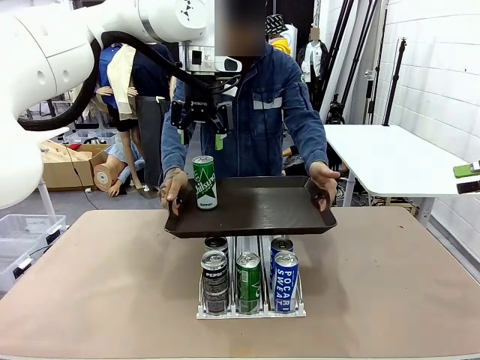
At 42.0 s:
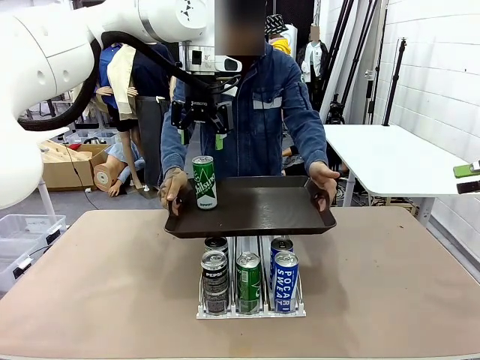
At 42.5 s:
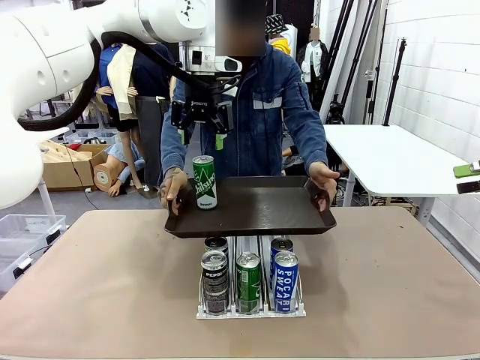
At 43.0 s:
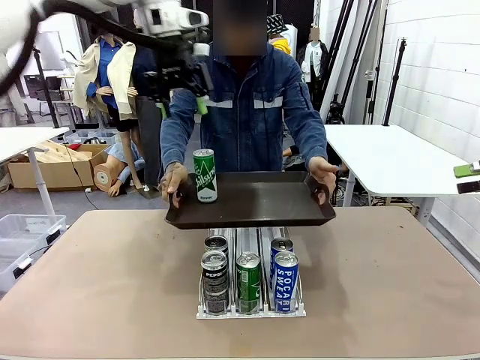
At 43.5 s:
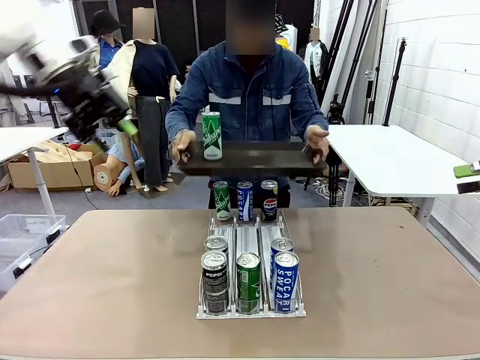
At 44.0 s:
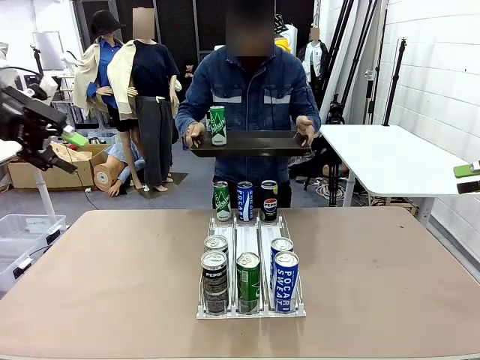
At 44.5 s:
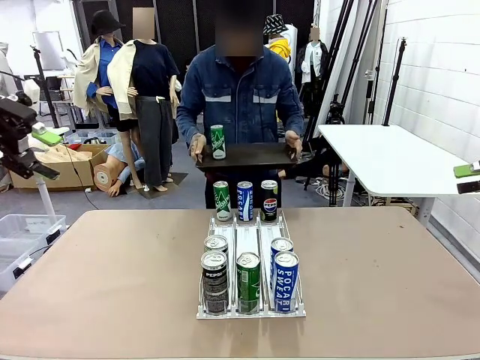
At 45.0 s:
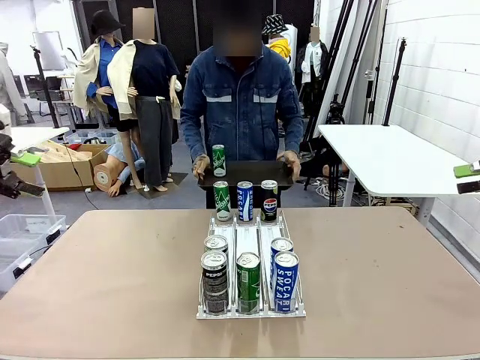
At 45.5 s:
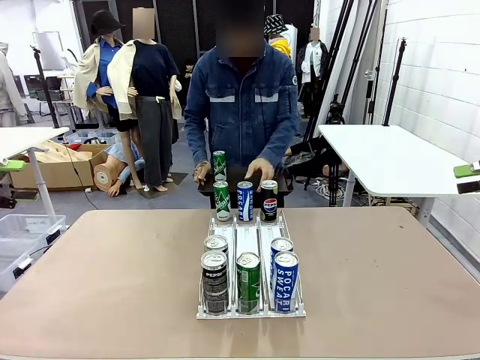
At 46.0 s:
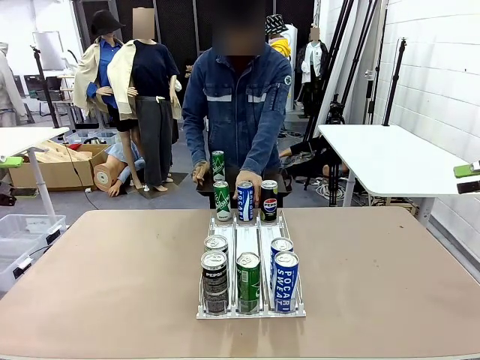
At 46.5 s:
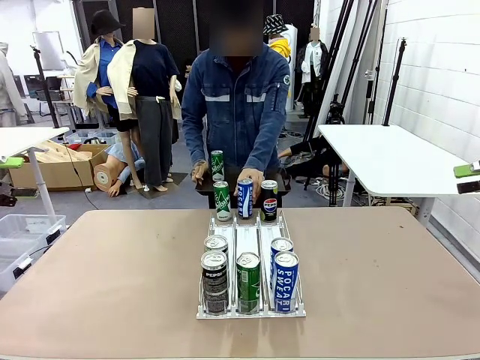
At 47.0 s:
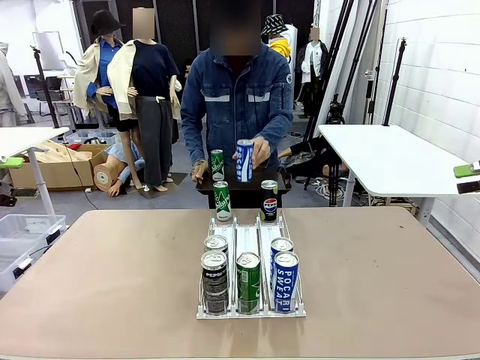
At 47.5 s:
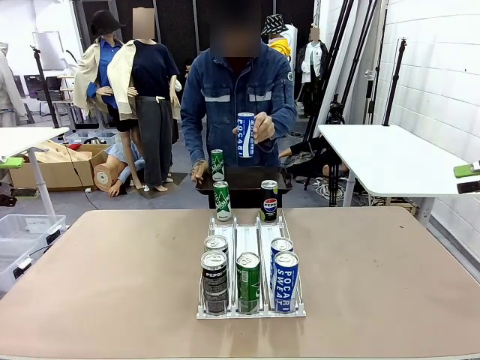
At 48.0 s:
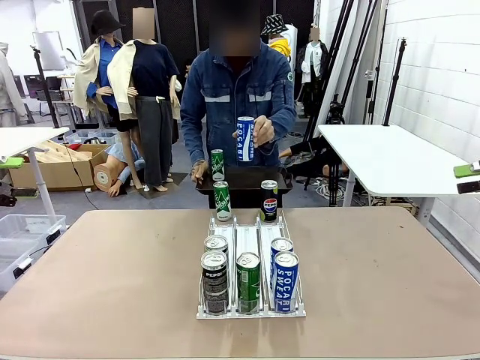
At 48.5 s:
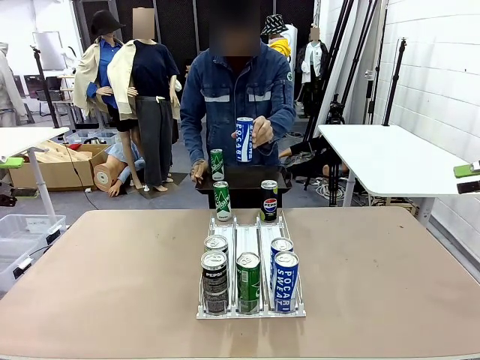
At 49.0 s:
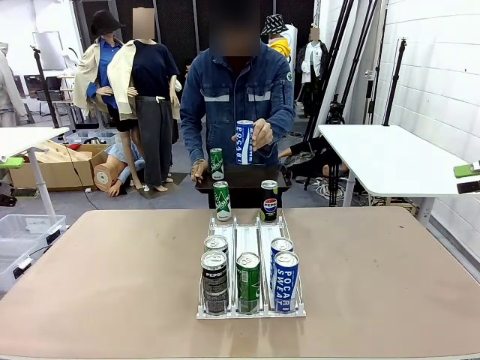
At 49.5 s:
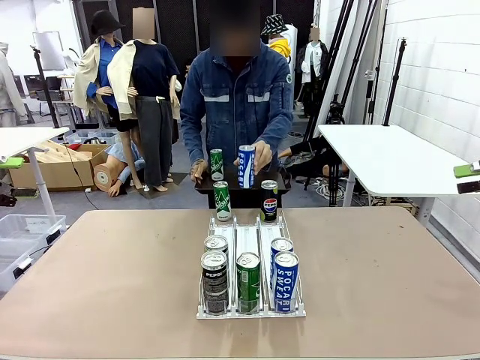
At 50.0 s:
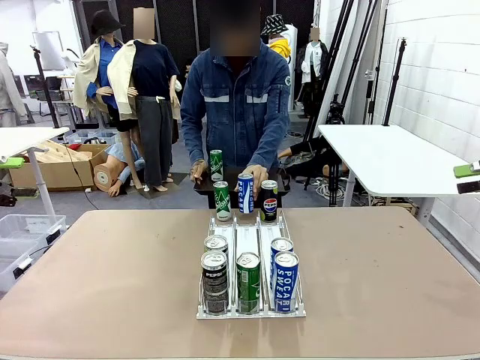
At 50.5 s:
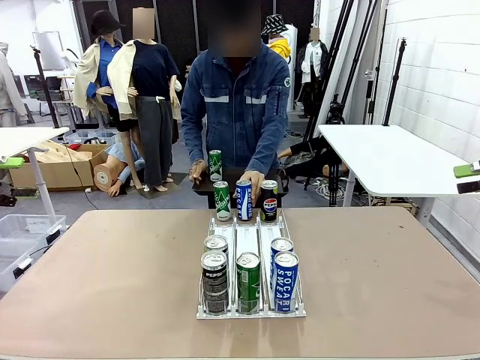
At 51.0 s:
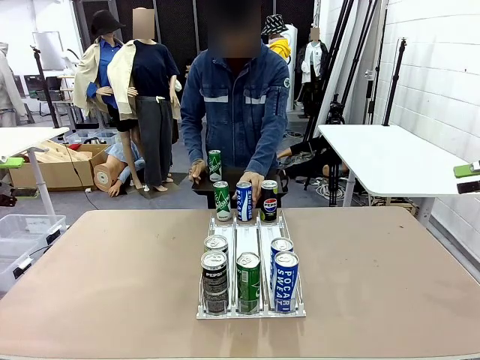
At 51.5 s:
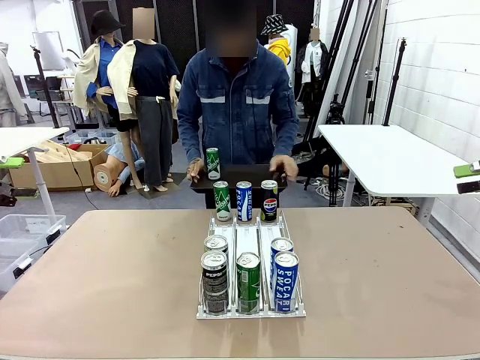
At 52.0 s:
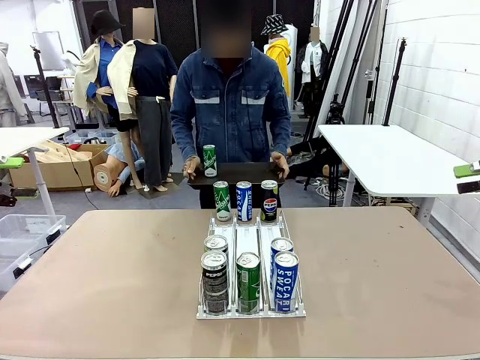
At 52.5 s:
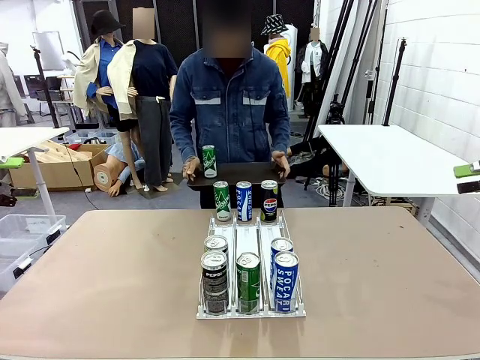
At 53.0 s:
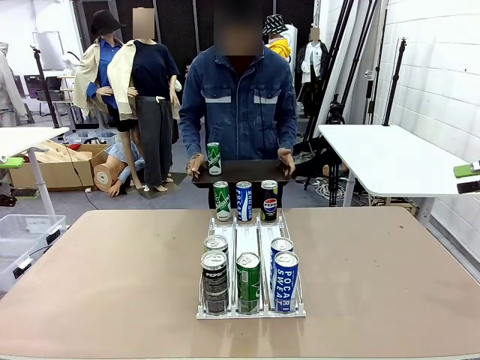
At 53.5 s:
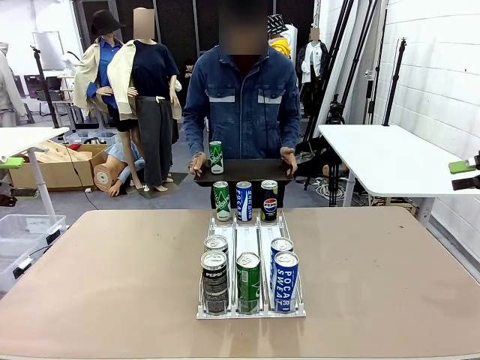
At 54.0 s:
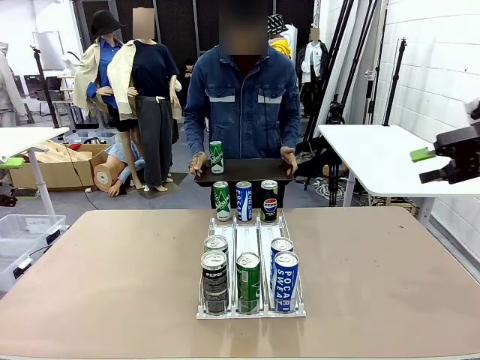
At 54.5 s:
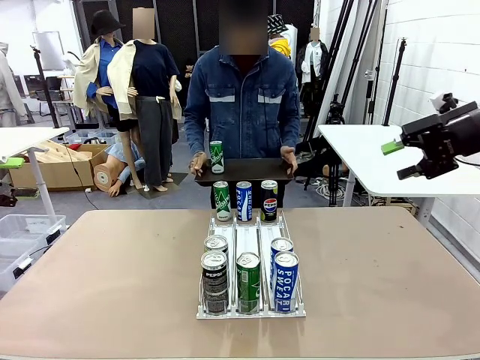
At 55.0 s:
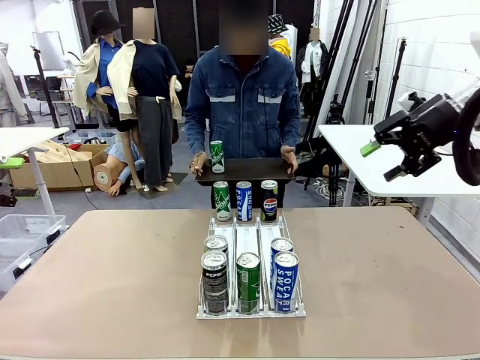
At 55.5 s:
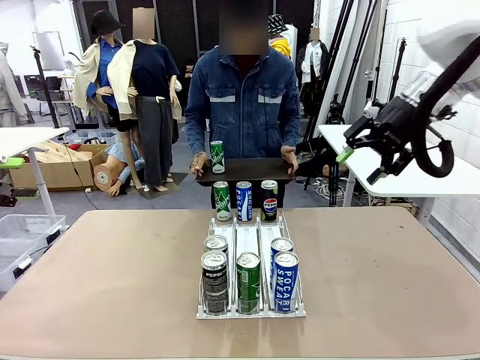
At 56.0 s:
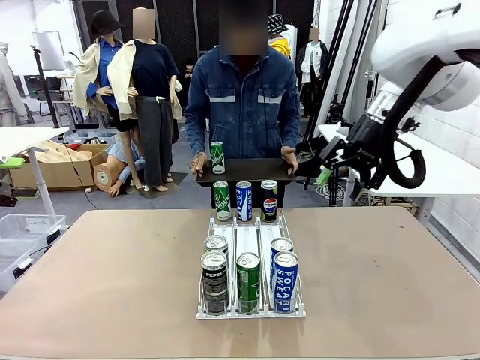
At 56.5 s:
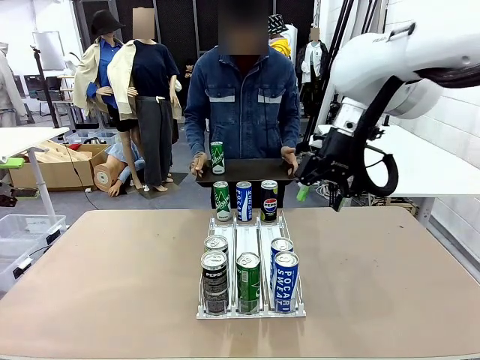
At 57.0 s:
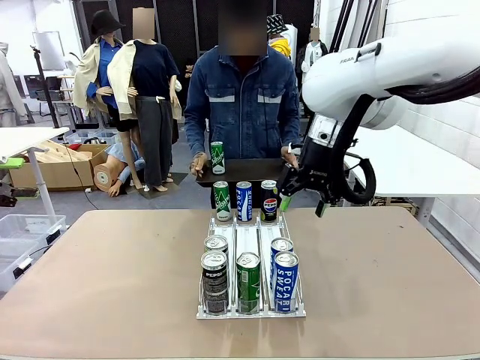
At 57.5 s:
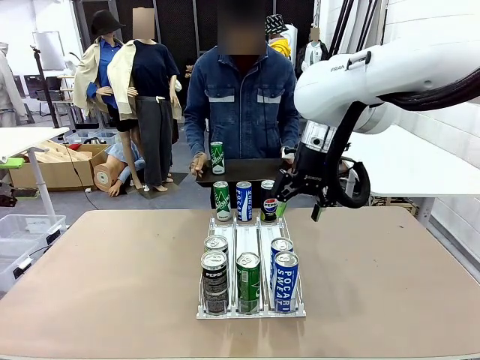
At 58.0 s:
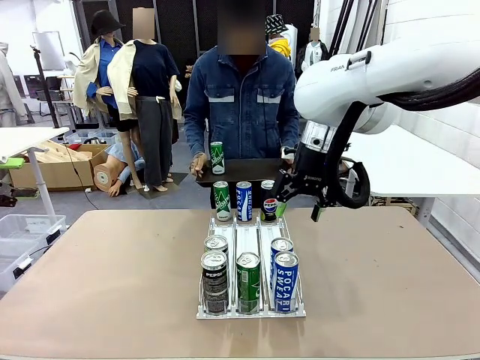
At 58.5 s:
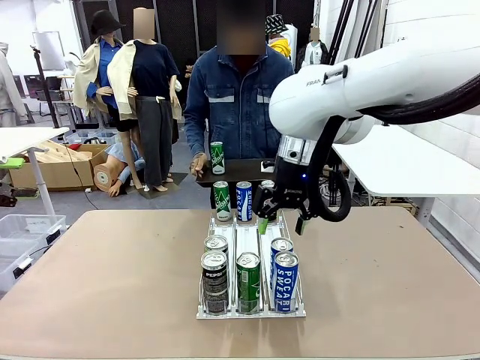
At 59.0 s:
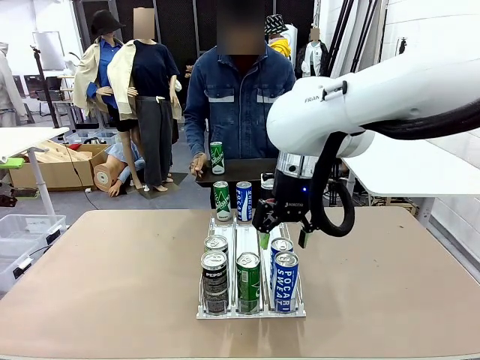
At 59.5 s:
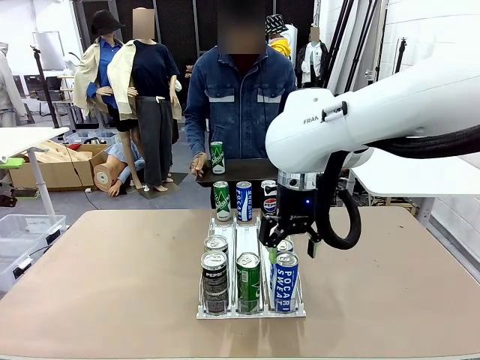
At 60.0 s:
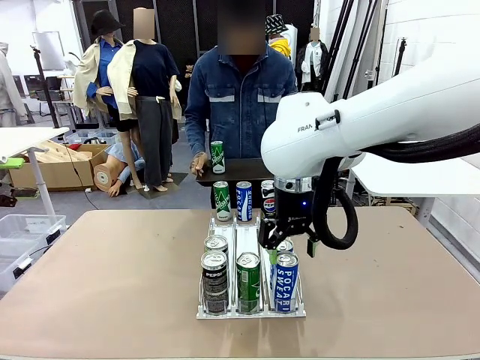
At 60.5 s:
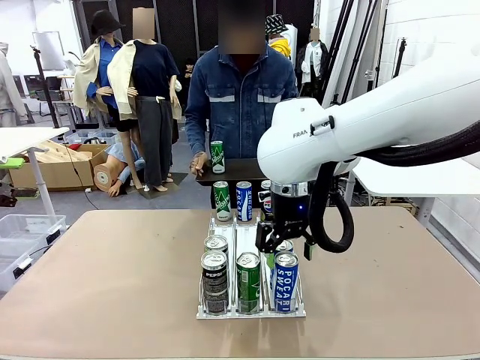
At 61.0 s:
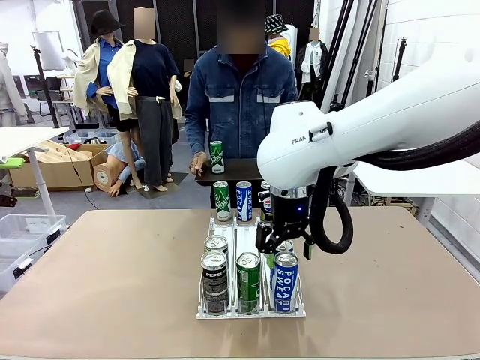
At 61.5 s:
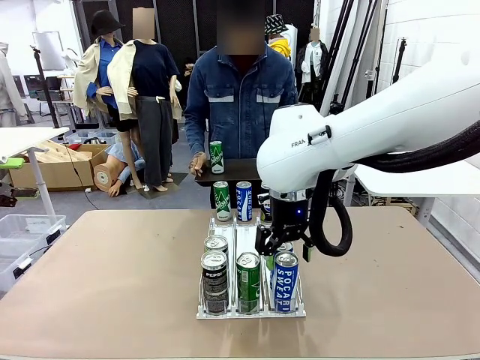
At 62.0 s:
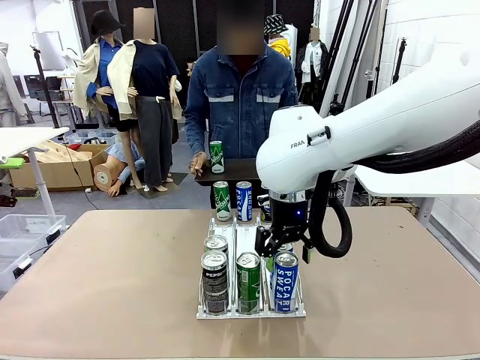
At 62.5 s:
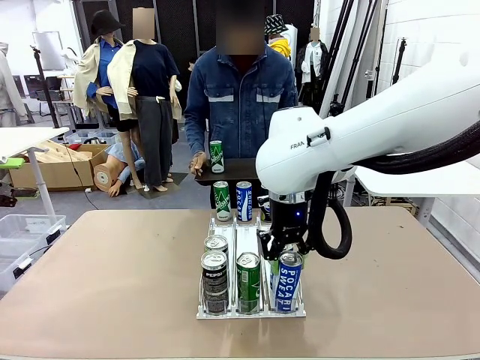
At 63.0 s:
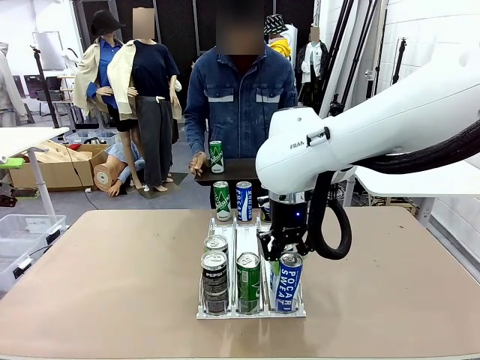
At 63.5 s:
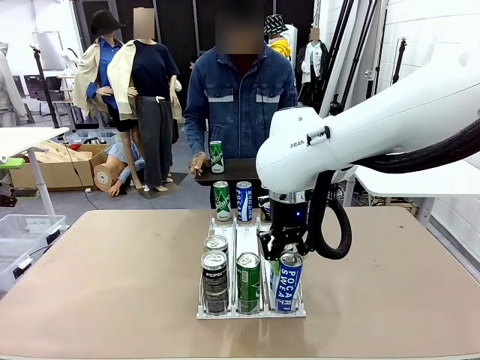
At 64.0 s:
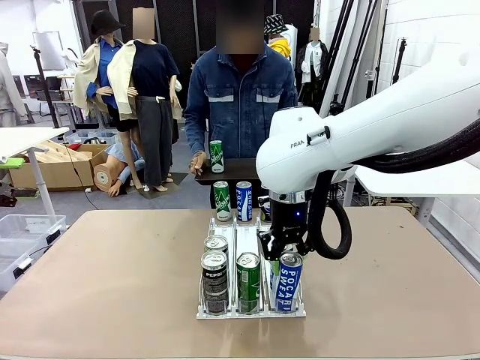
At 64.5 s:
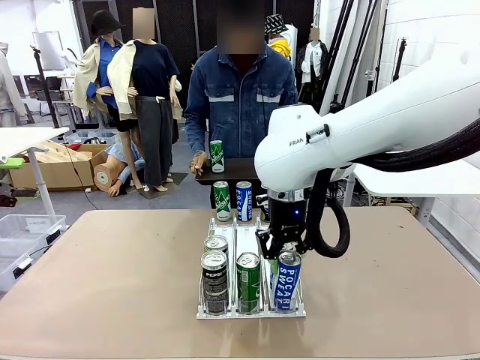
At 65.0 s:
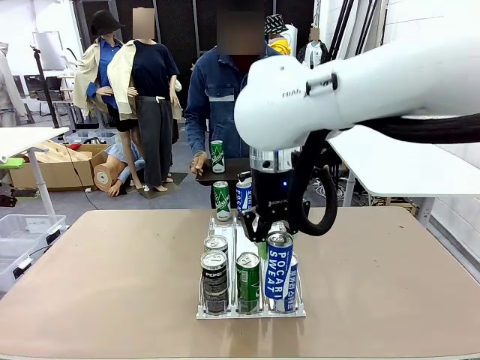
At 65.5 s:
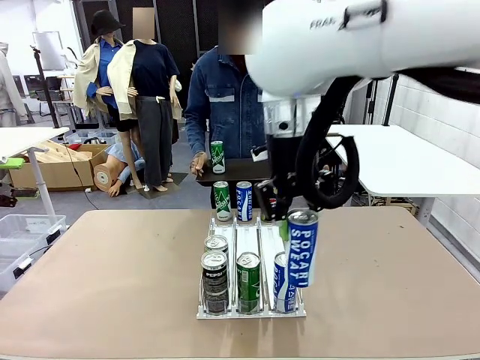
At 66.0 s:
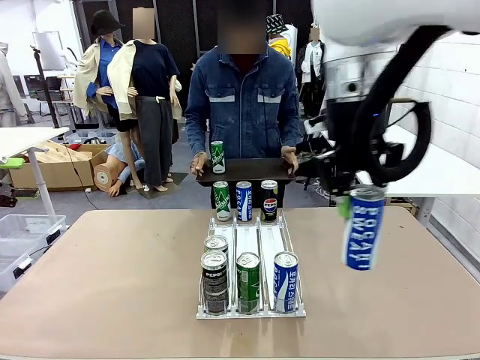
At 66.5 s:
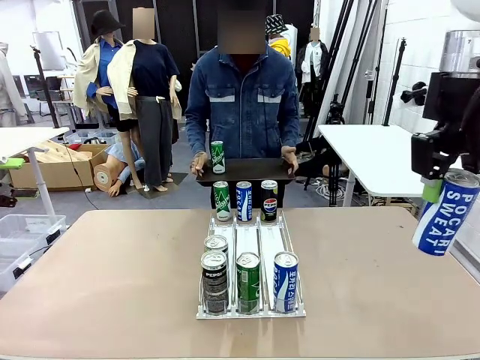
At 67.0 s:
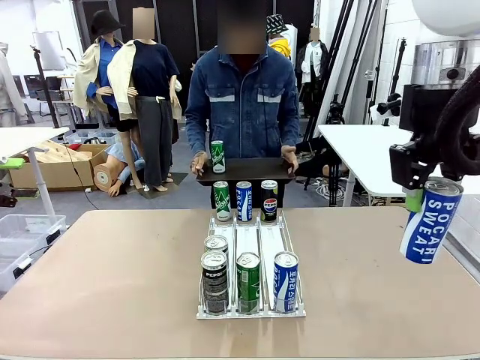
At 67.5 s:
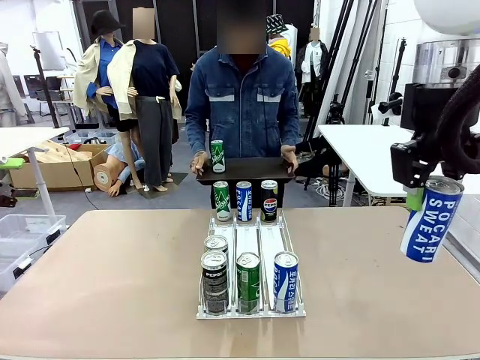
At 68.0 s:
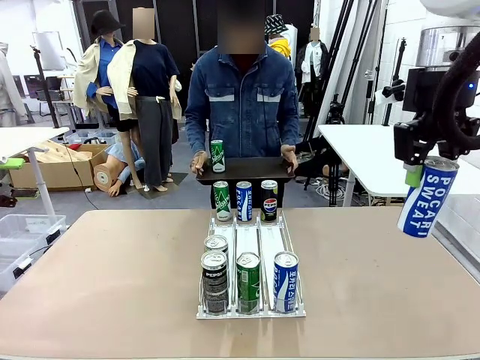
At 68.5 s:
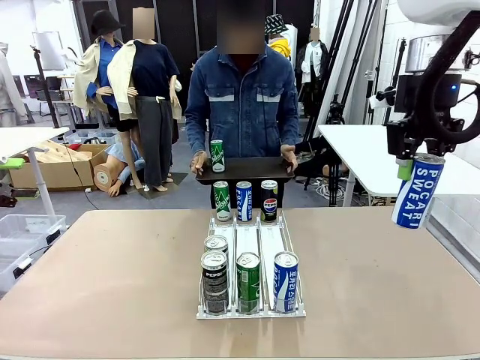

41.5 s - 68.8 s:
Task: Retrieve and hand over the desired beverage to the person.
Robot: Pick up another can of the same type that the person held from the Automatic Can Dispenser.
Person: Pull the tray back, then pick up another can from the bottom area of the table and puts it back in its original place. Push the tray toward the robot again.
